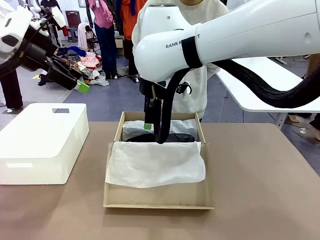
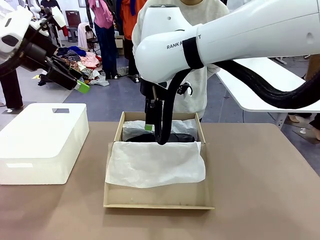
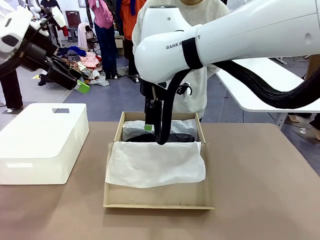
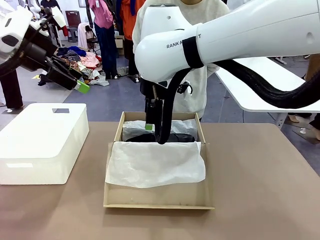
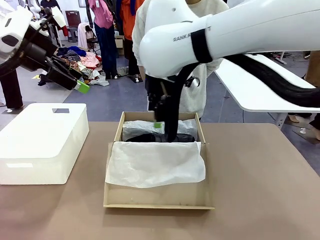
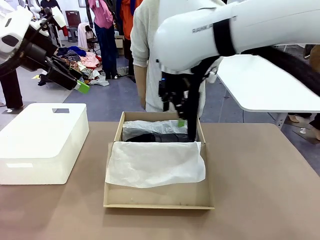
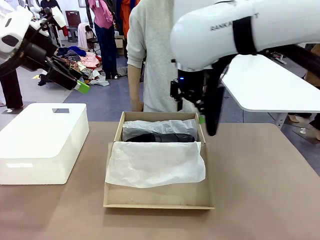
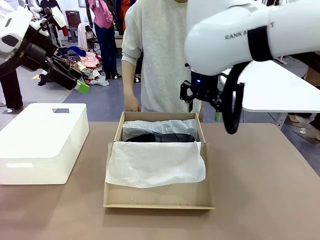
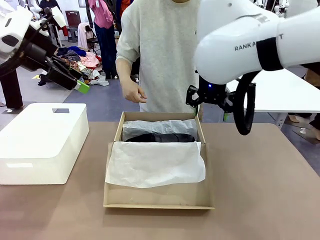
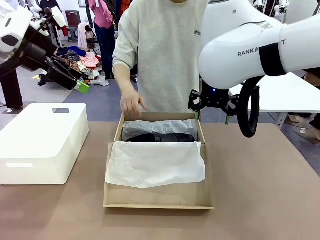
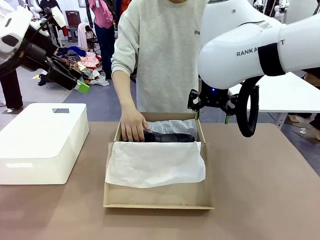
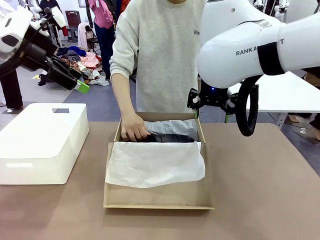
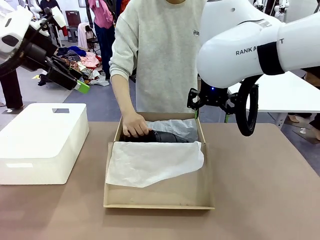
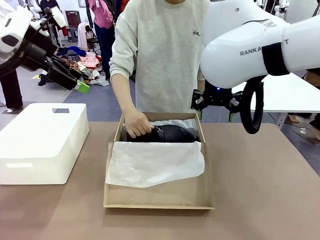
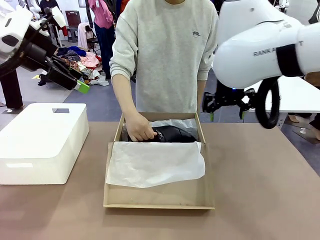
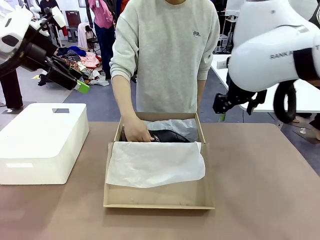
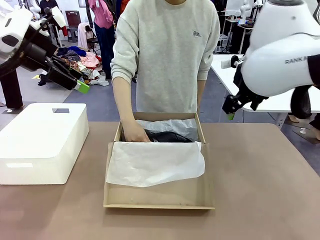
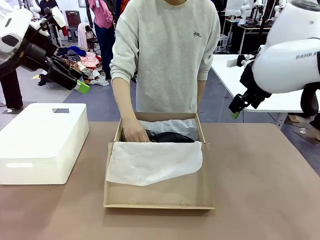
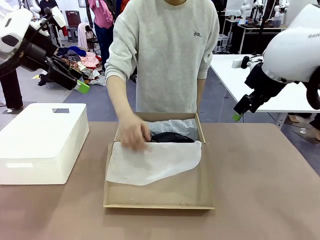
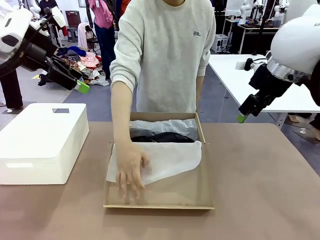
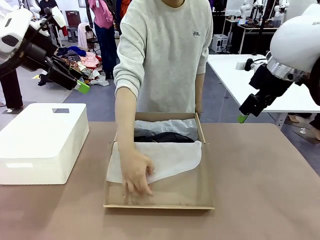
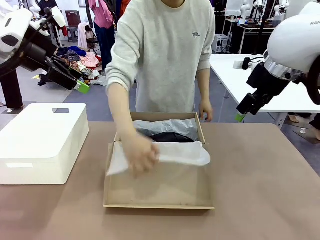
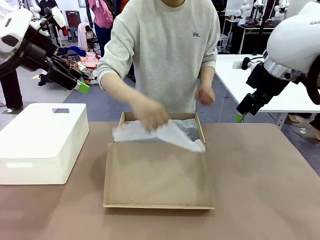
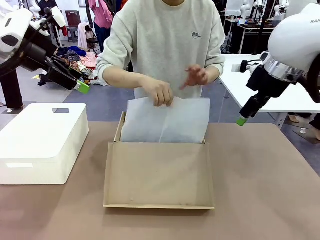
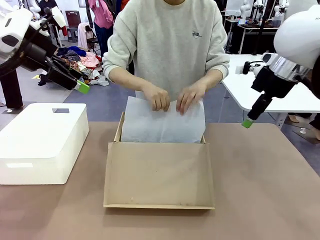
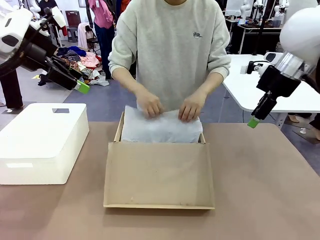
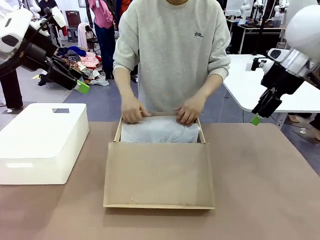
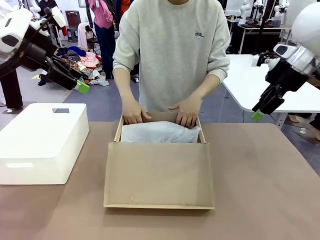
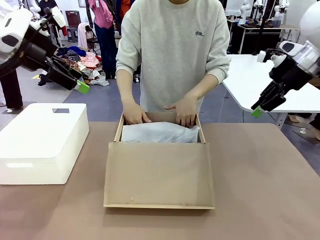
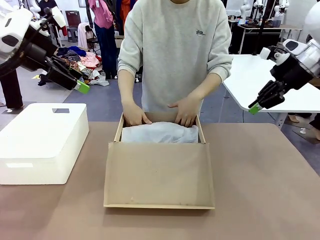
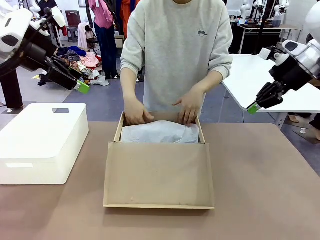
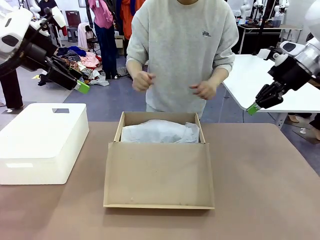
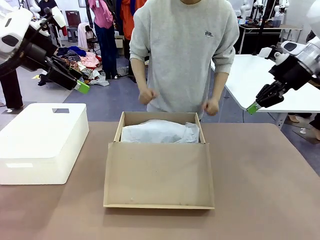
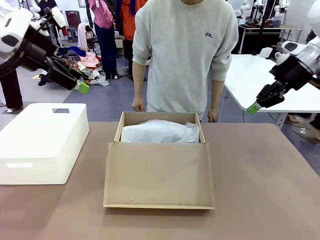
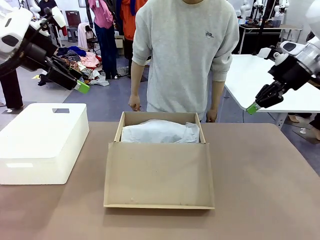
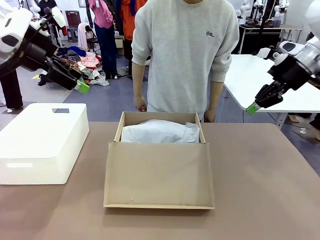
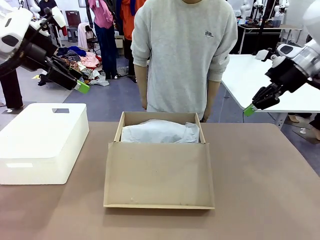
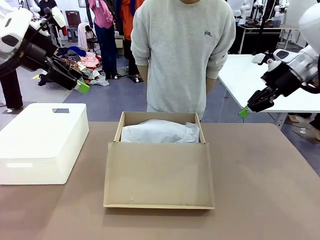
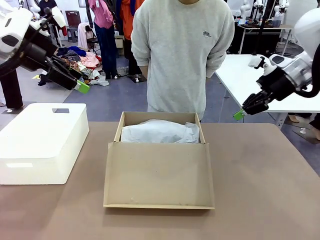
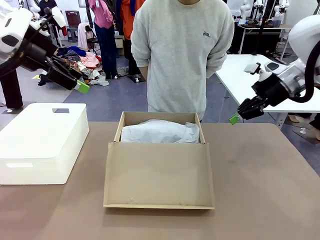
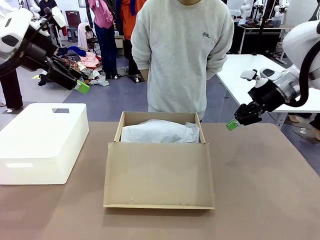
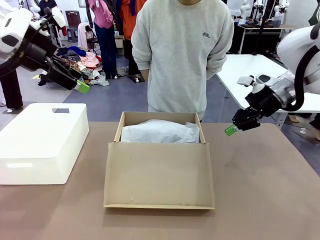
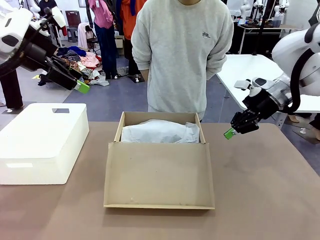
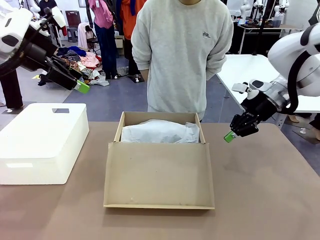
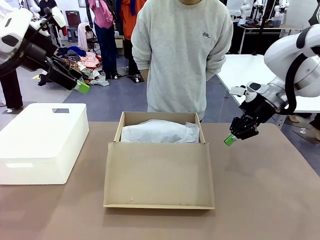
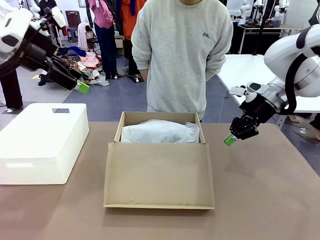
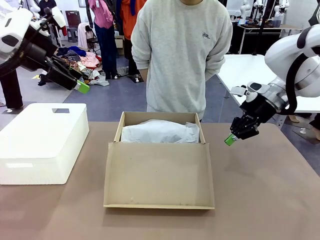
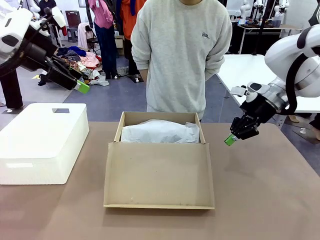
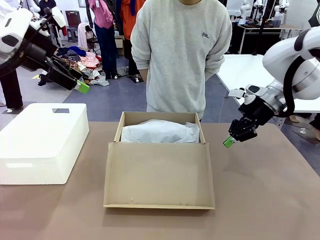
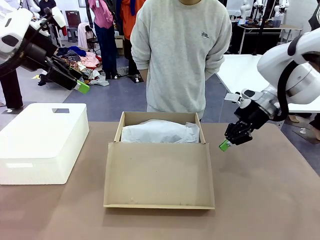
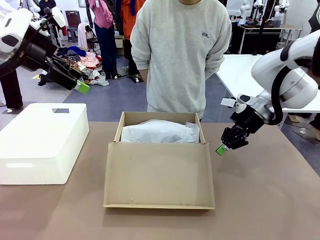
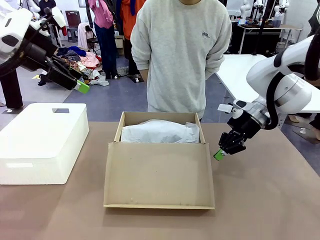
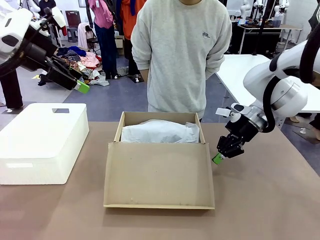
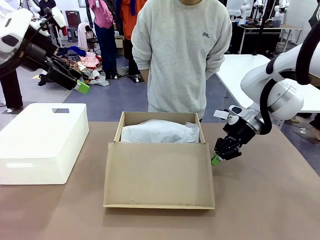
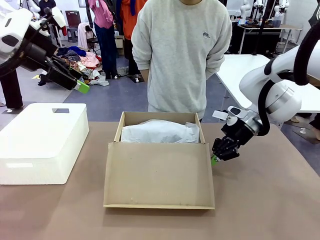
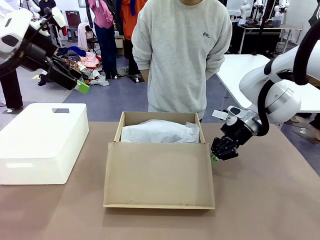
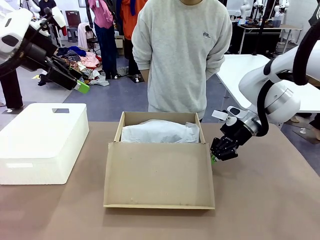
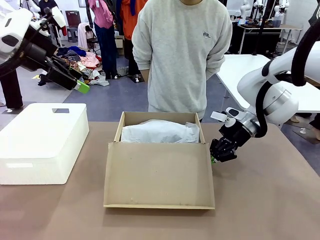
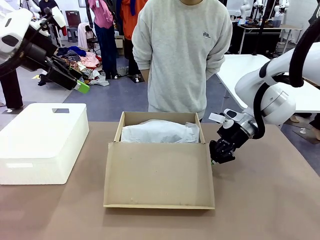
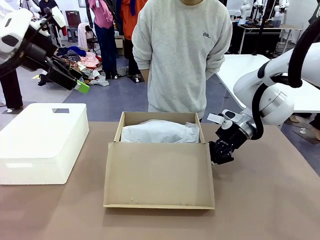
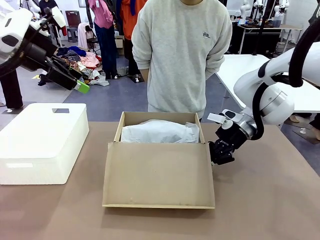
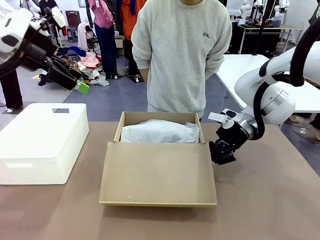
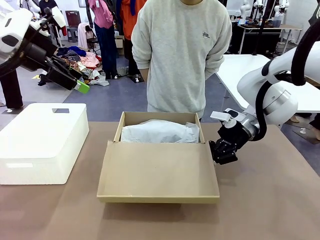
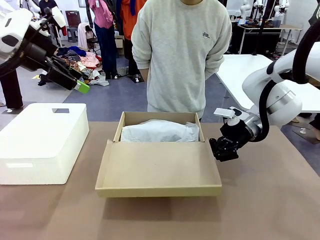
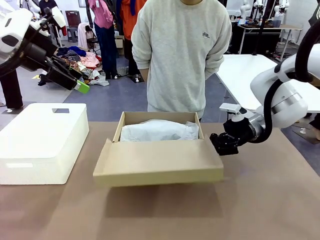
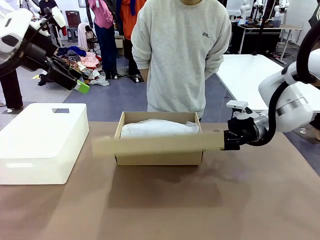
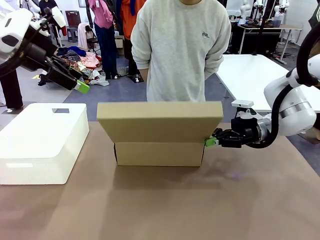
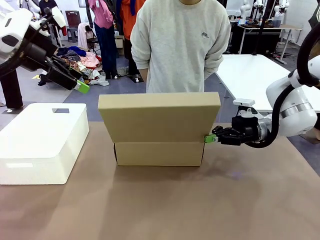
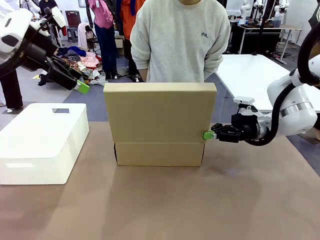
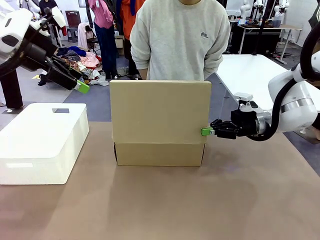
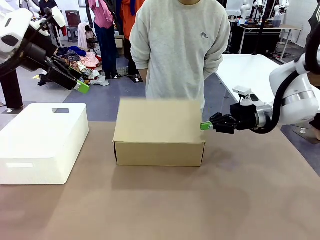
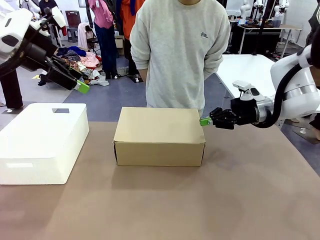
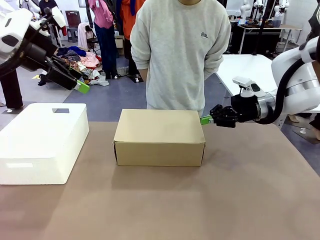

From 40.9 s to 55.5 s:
Task: Pack the shoes into the box.
Robot: Close the Shoes Box.
